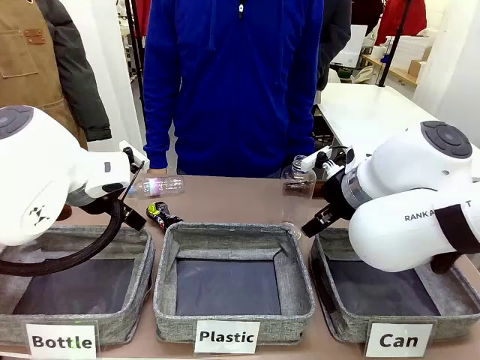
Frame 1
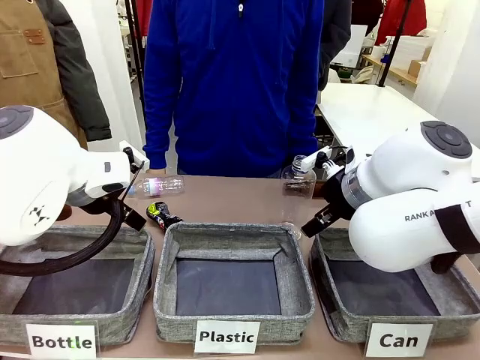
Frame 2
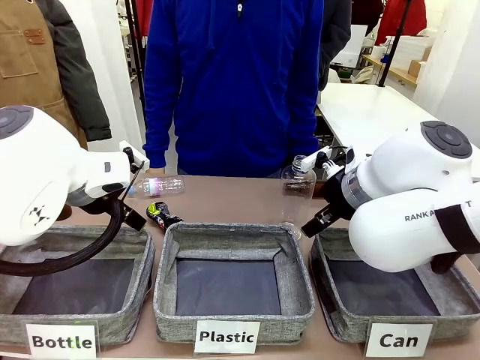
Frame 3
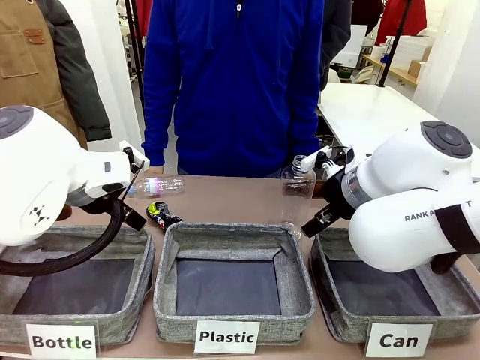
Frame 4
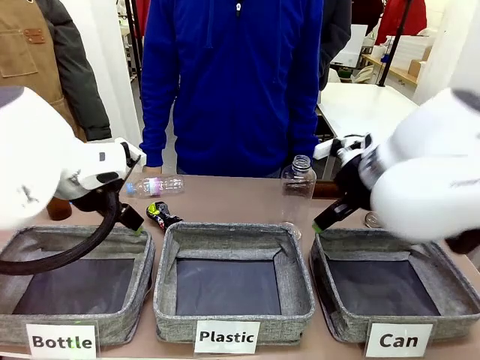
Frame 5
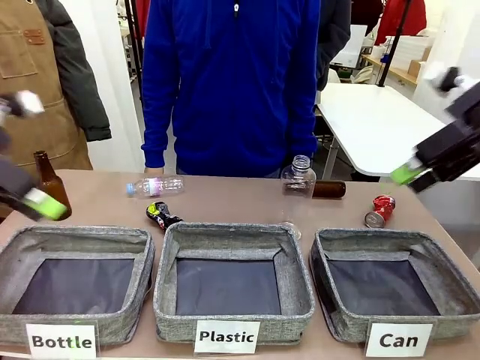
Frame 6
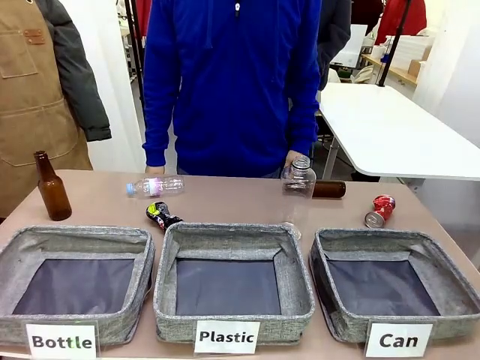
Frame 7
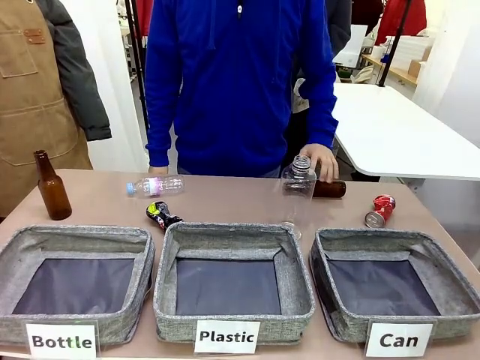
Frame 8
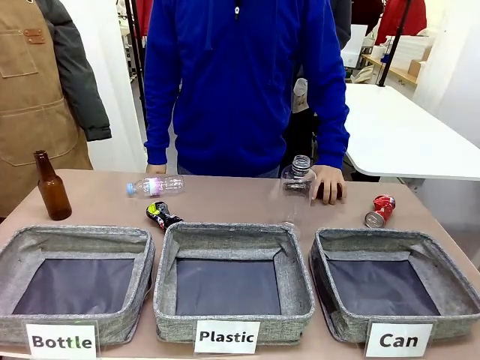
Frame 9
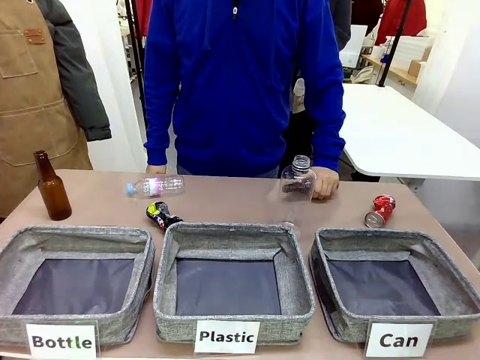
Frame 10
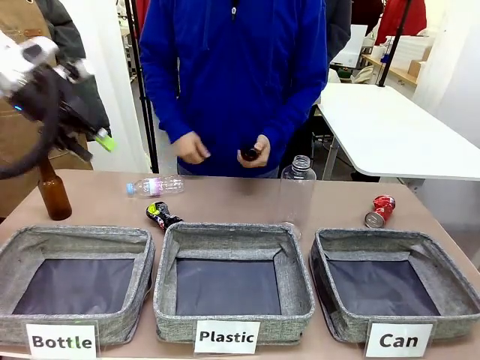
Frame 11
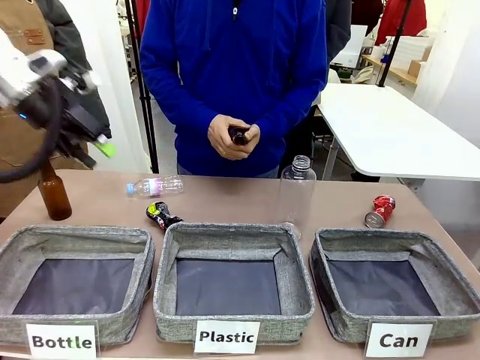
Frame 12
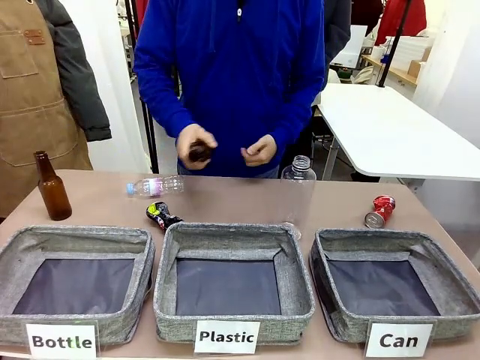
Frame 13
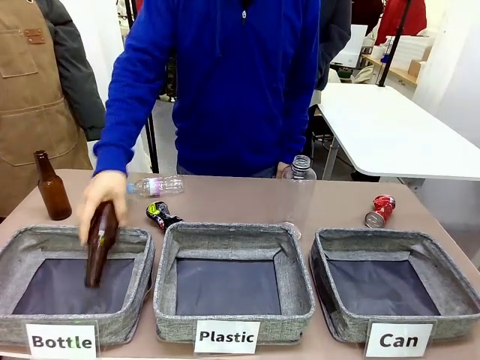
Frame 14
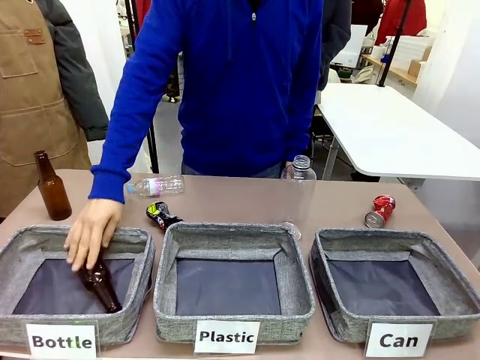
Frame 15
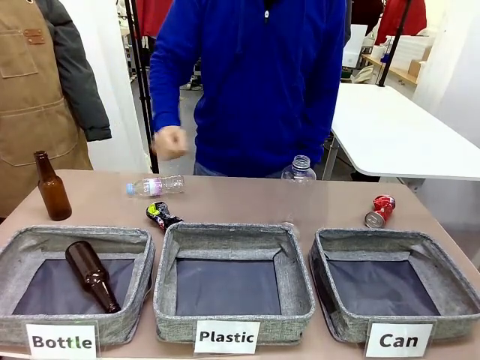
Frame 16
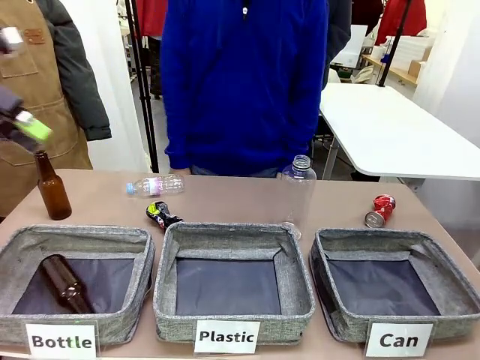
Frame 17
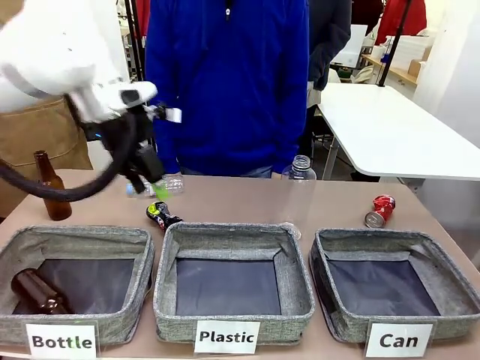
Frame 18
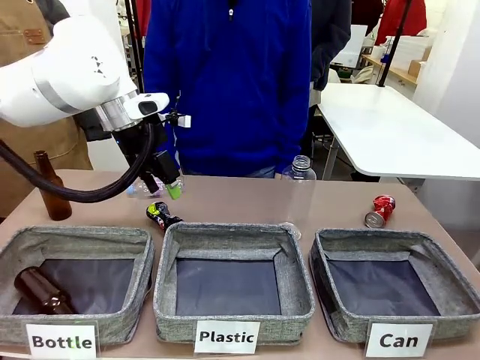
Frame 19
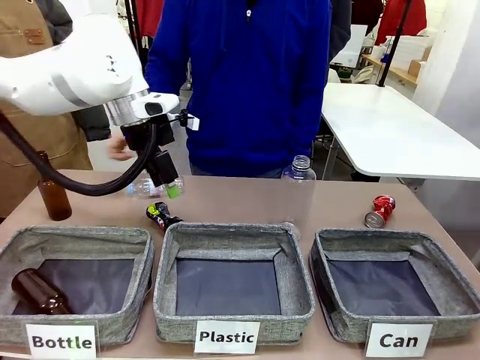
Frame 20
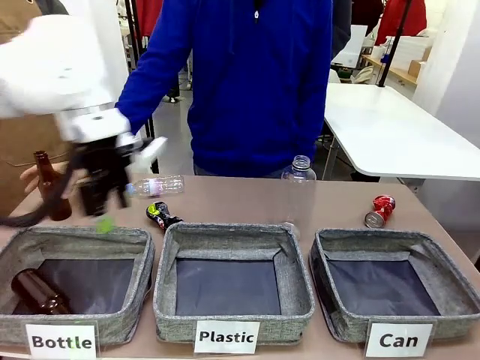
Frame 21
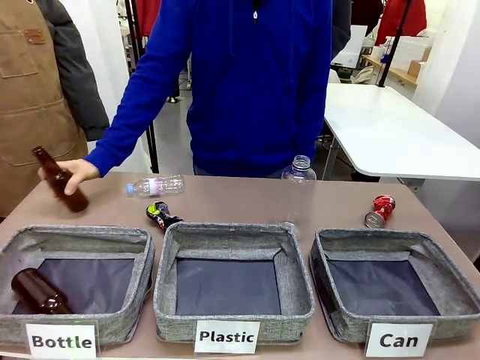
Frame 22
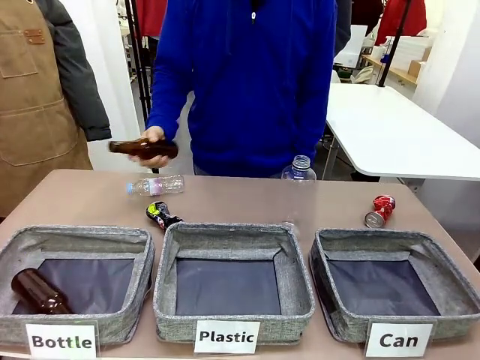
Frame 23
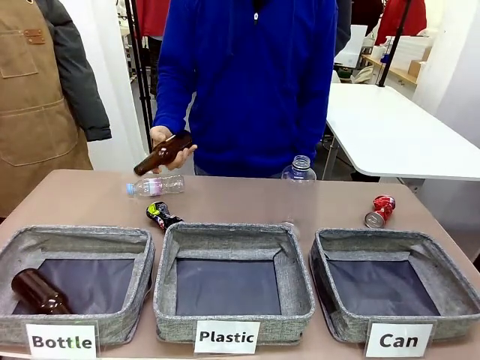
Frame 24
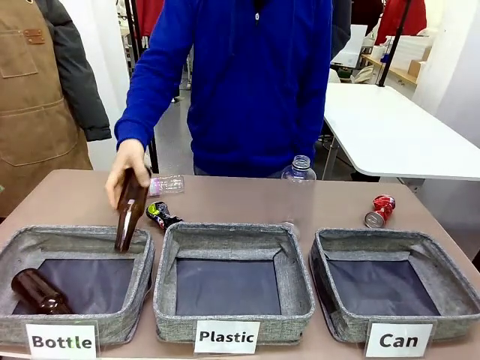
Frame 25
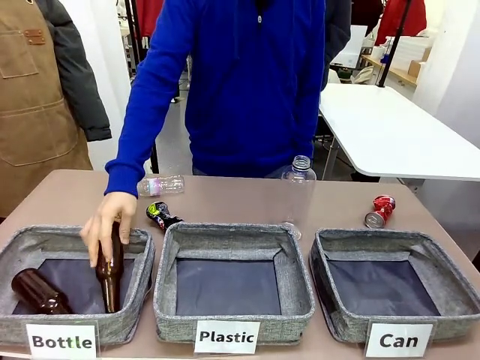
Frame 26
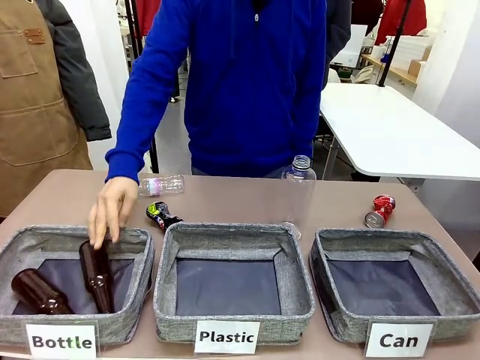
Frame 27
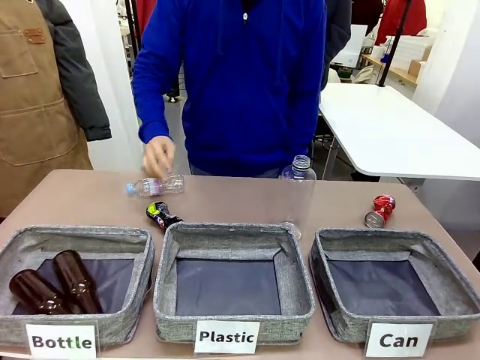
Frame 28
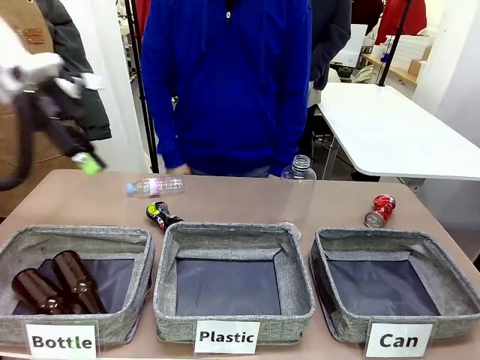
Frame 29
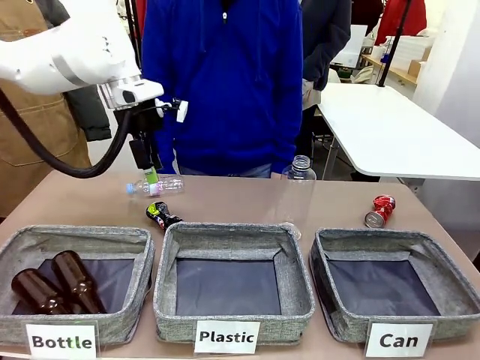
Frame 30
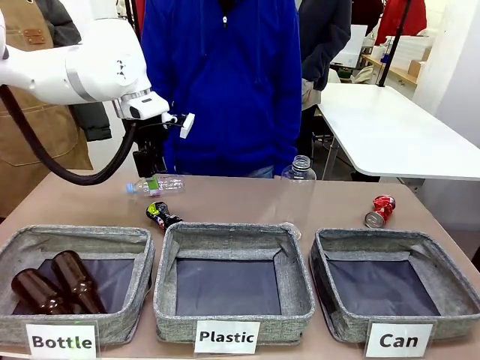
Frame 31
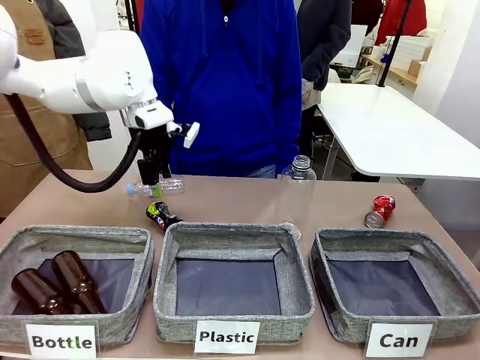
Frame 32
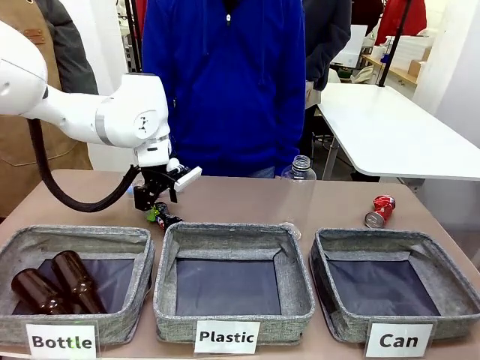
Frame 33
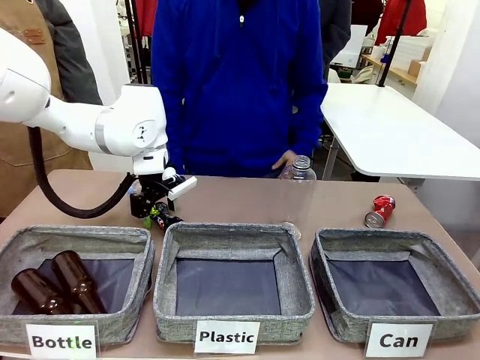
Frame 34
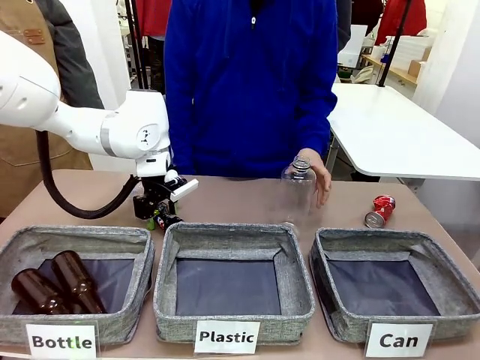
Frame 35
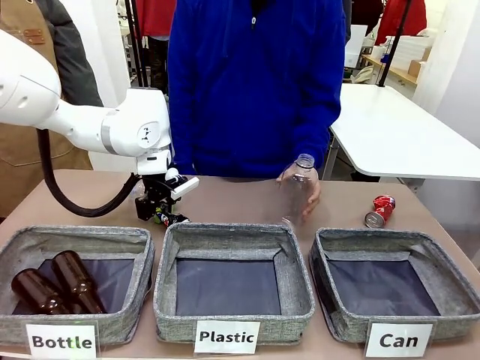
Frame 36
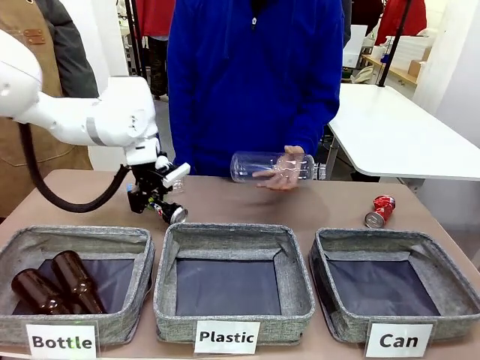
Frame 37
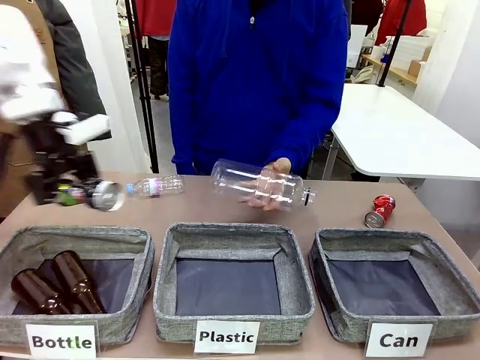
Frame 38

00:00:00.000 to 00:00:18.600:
Task: Sort the can waste into the basket.
Robot: Pick up the can waste from the table and place it in the right Fabric basket.
